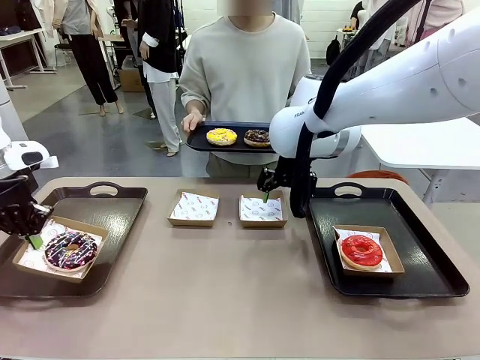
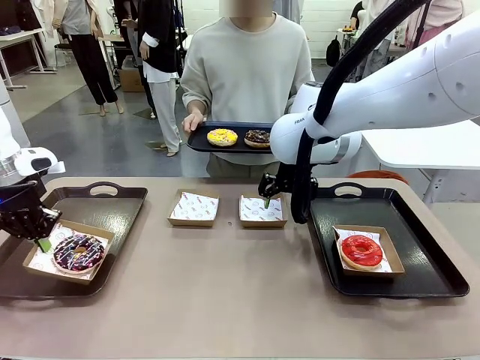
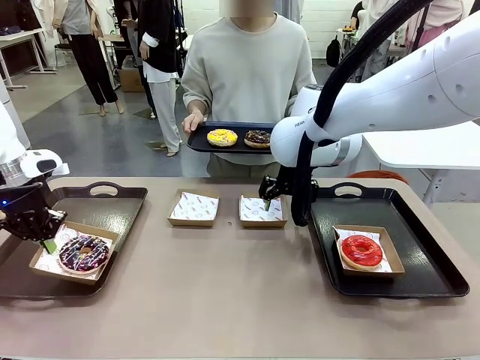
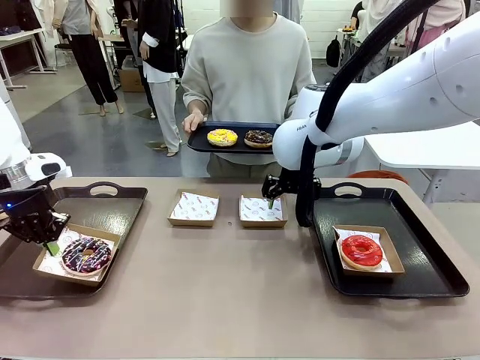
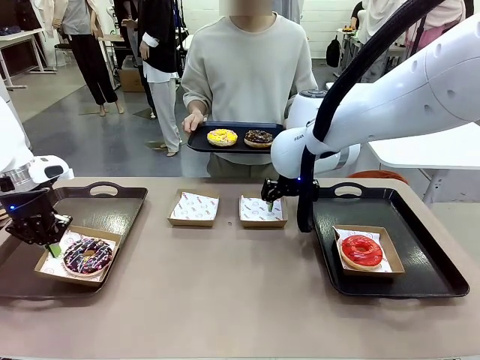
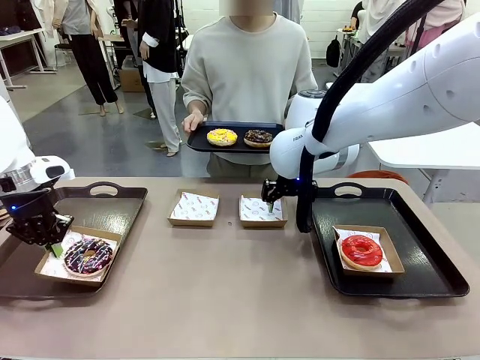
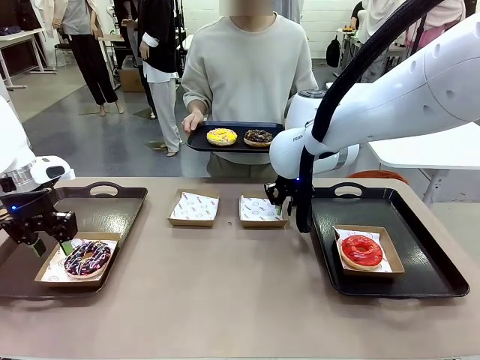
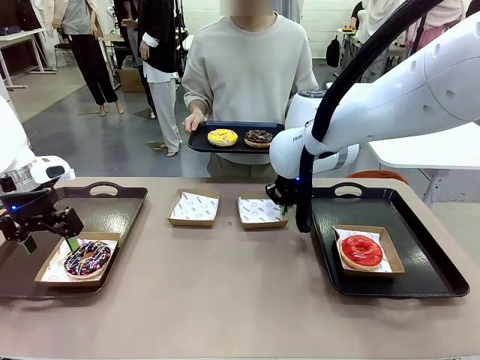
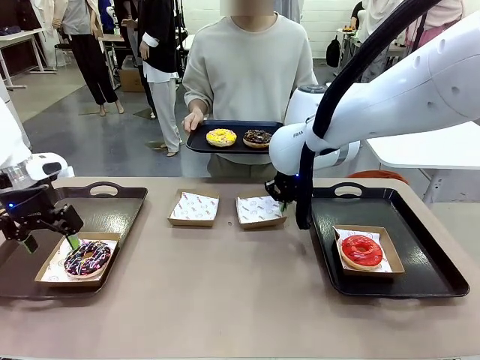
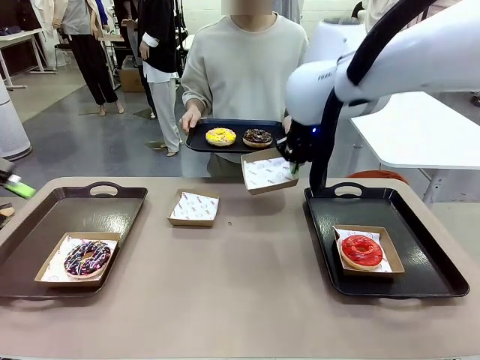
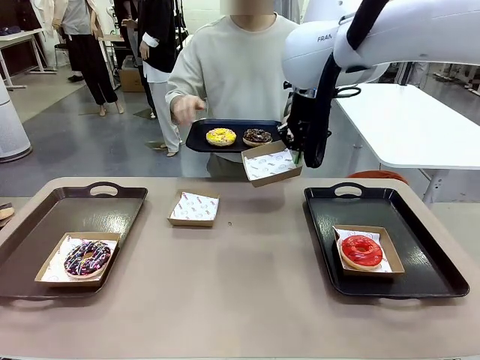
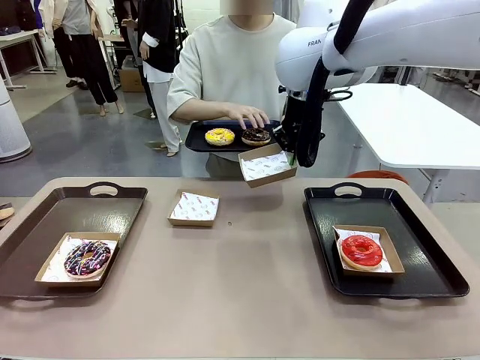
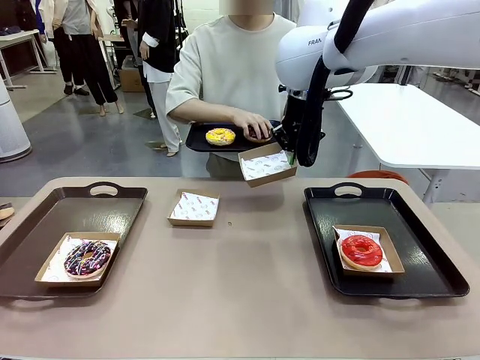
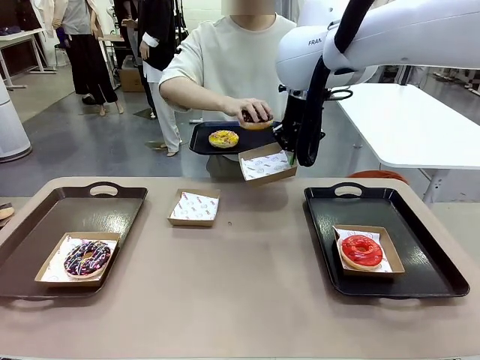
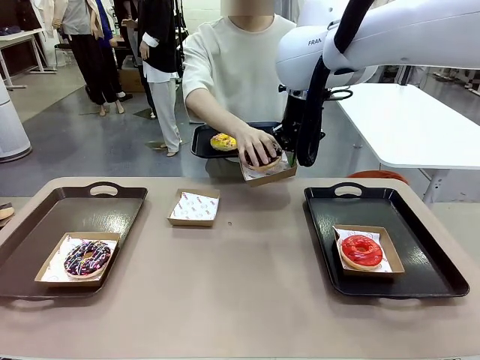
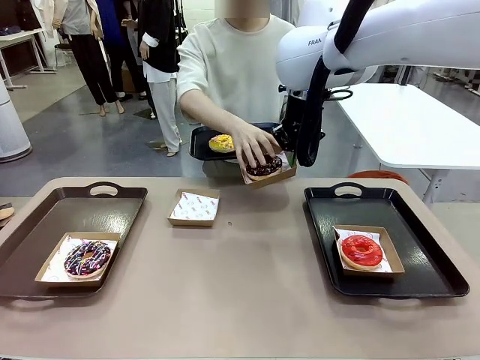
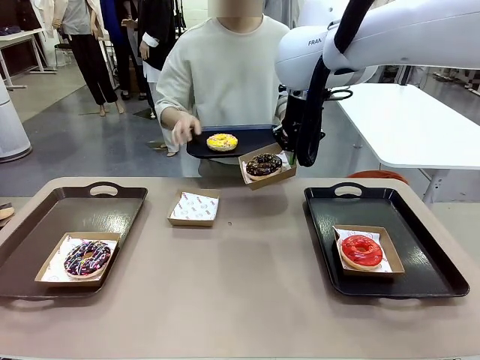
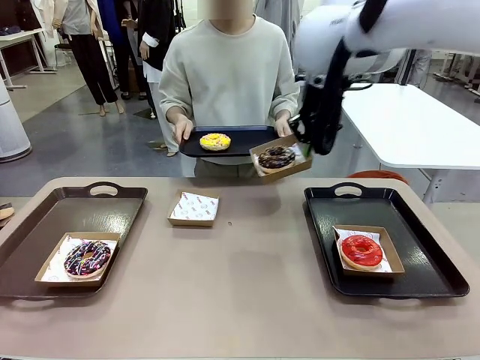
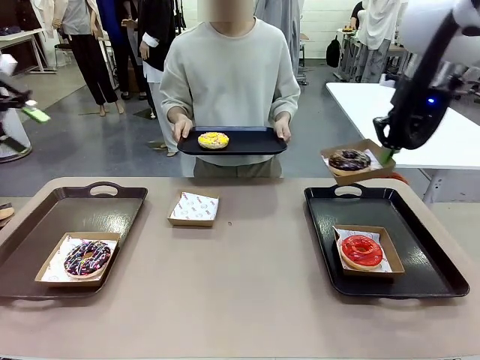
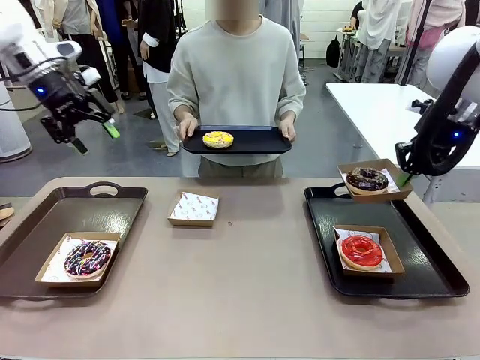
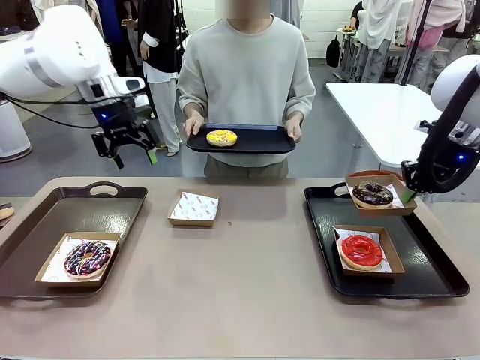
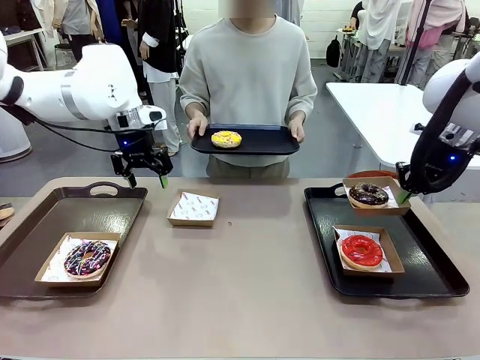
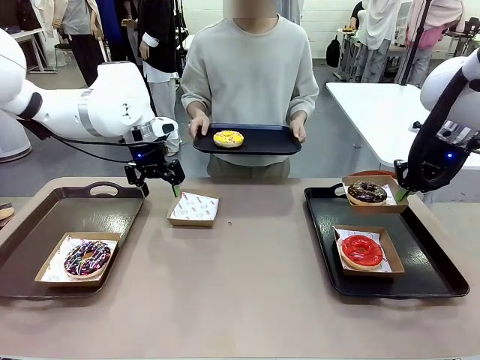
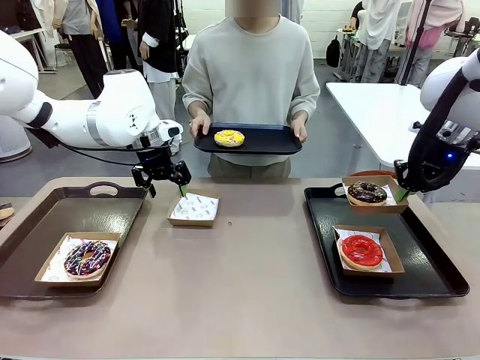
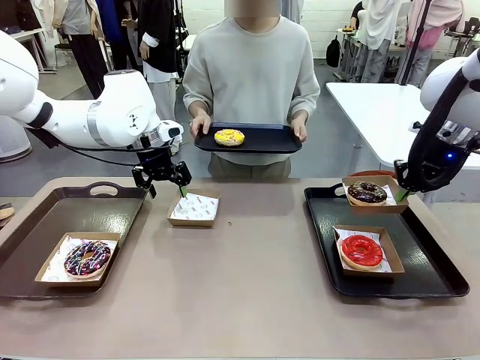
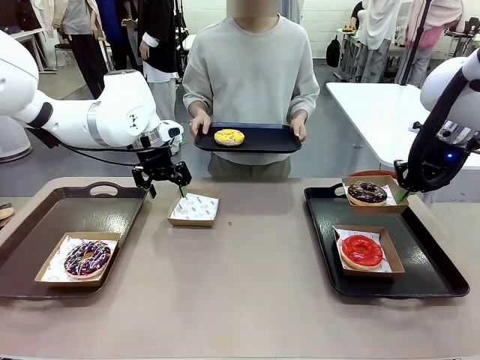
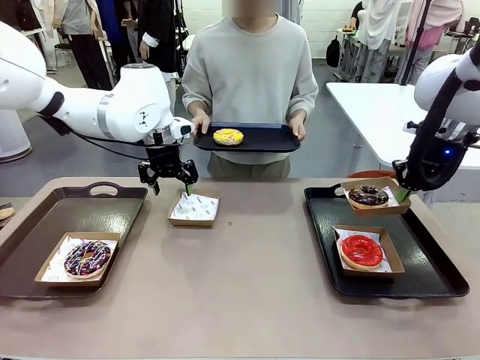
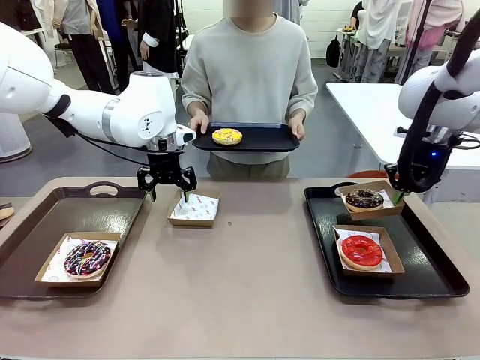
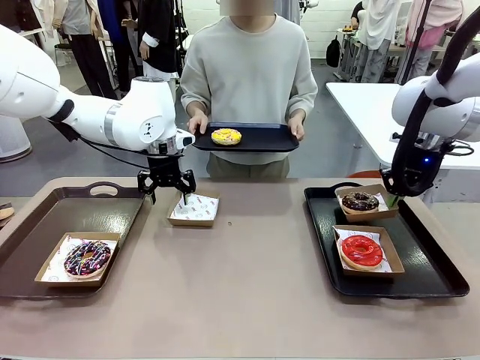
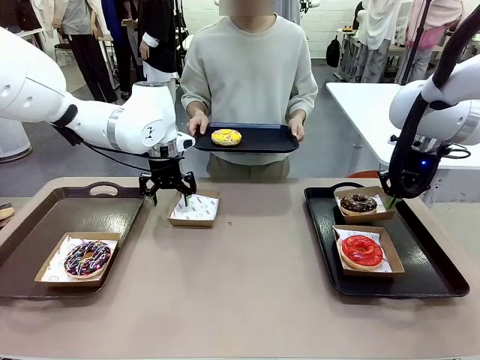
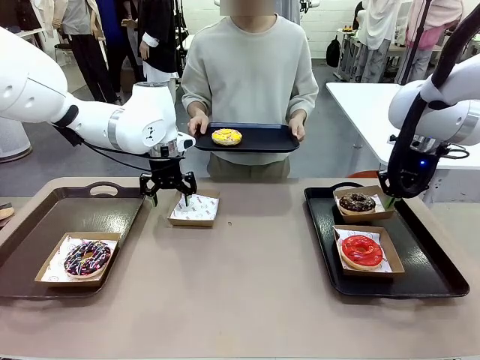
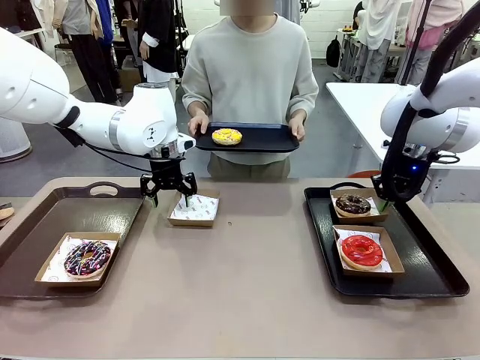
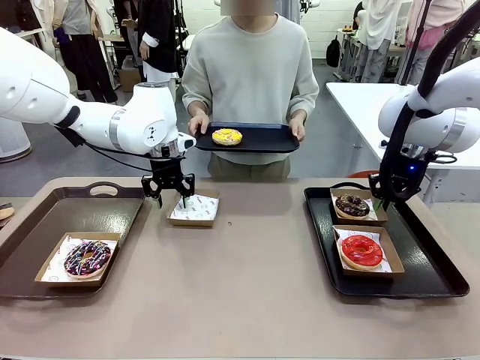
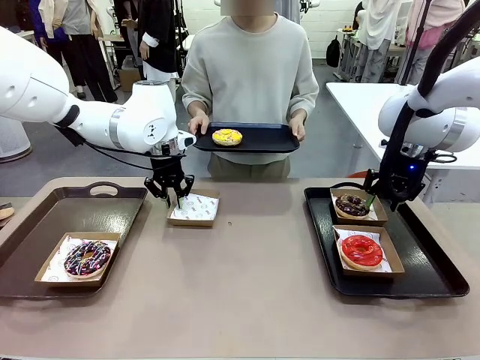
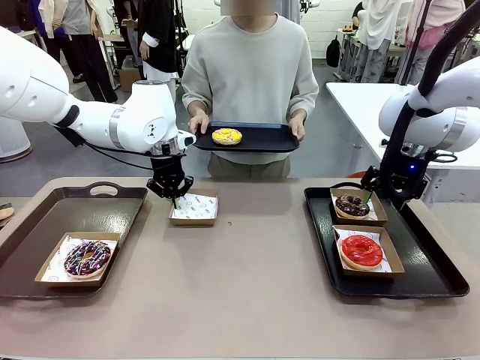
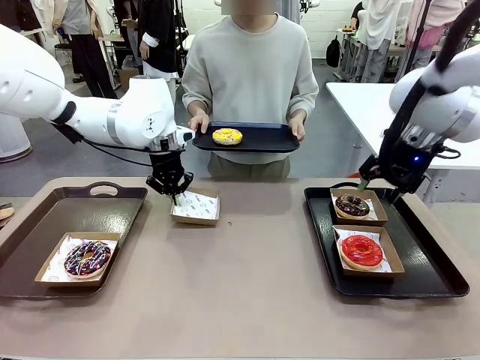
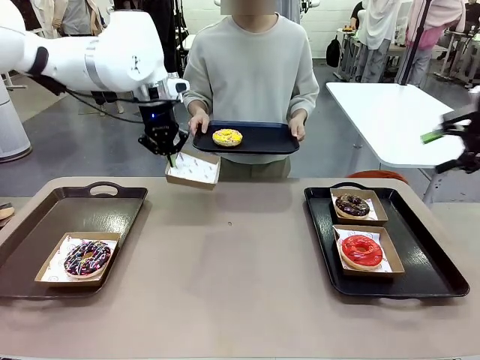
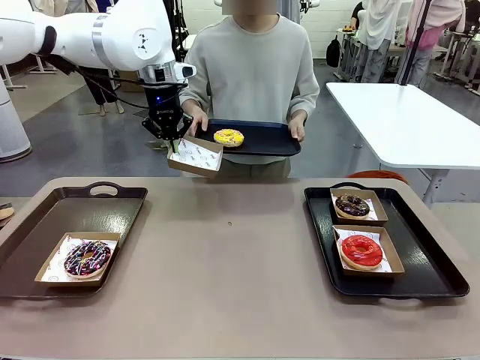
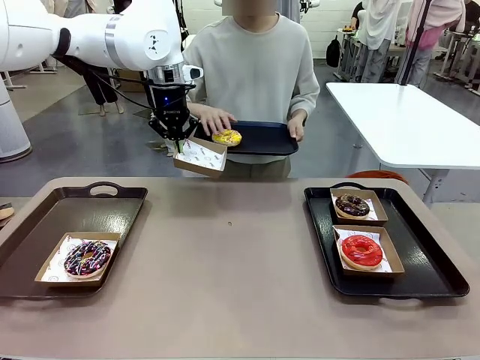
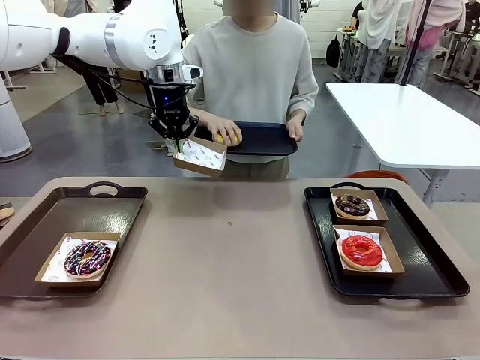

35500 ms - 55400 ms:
Task: Individually package the donuts and arrange them on the tray.
Robot: Place the picked Paper togo box on the Handle tray while simultaneously picking up another Paper togo box from the table with the other hand.

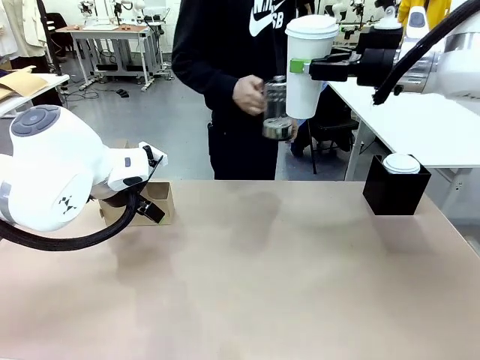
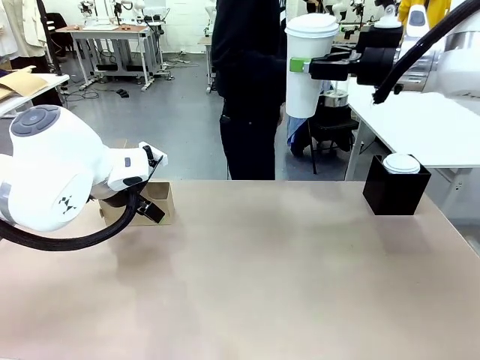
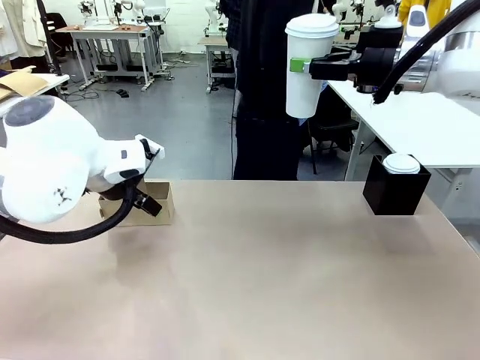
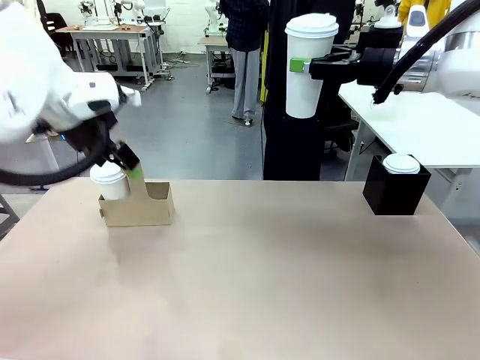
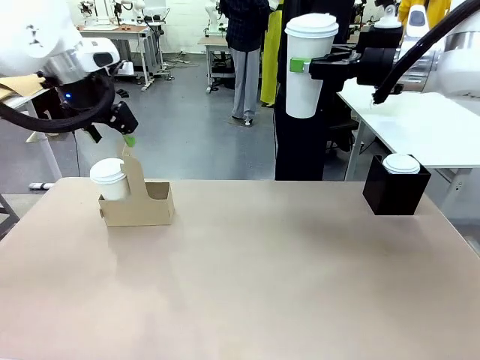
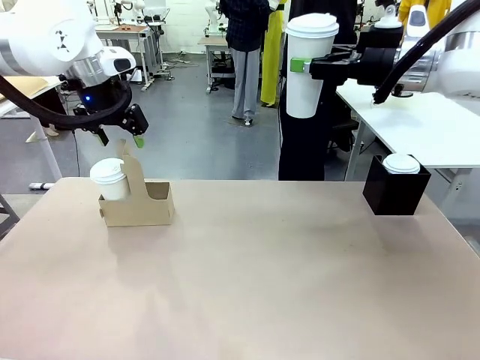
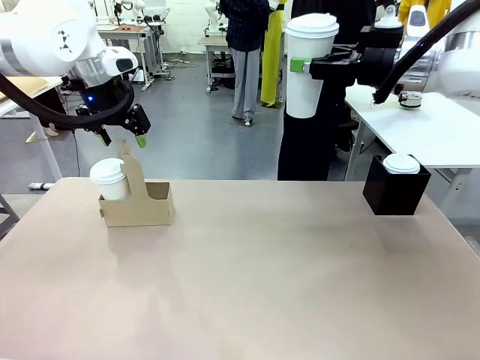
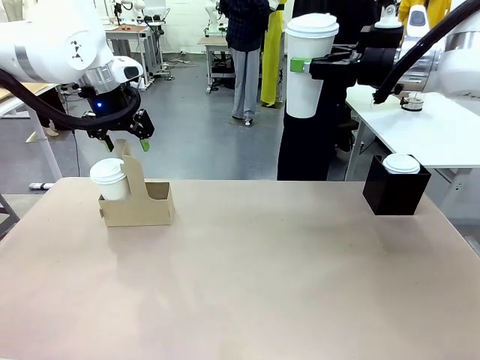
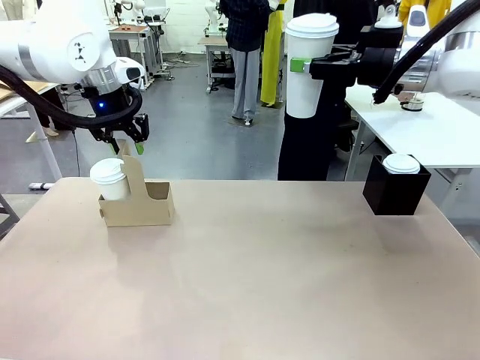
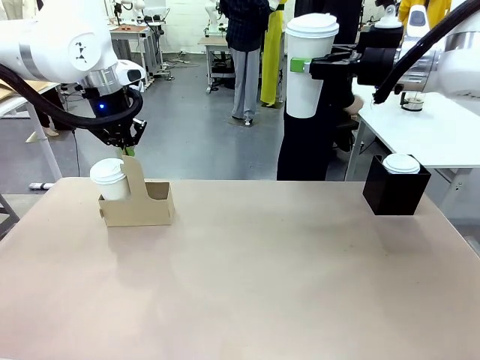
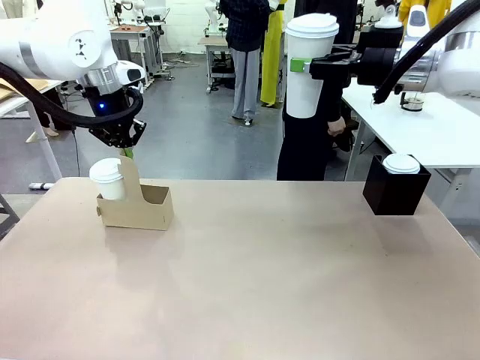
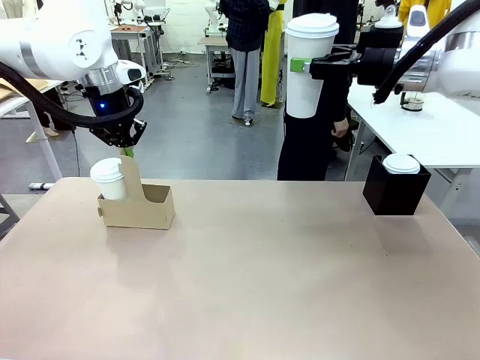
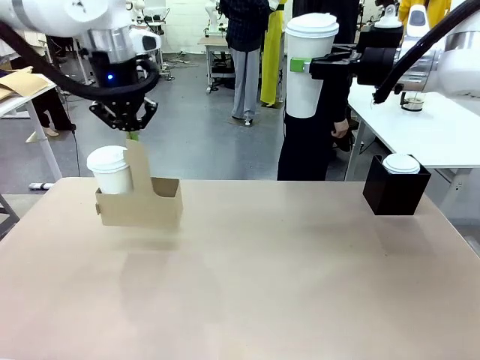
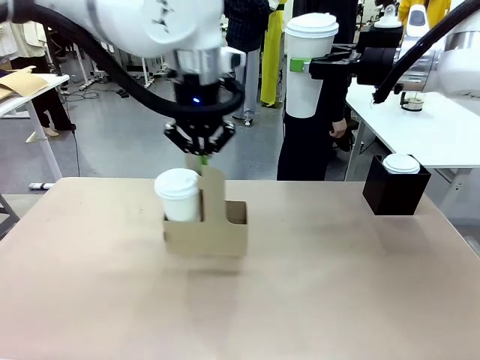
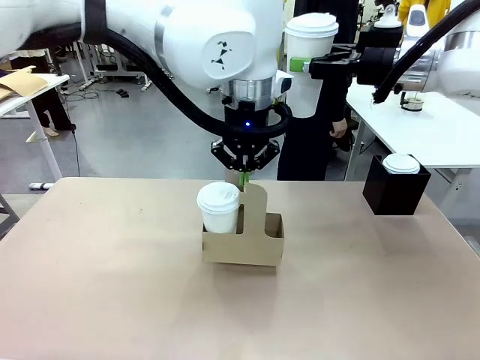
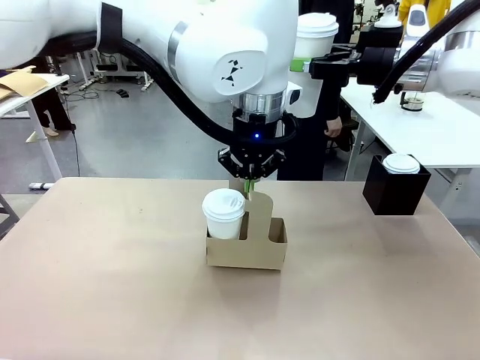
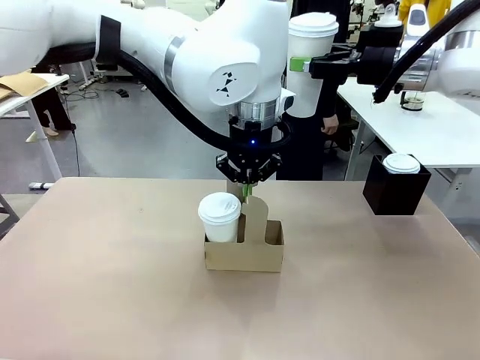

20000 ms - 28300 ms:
Task: Pour a drink into a cup and package it in a carrier.
Robot: Position the Cup Carrier in the center of the table.
